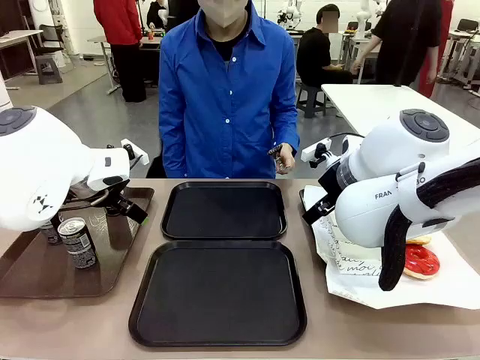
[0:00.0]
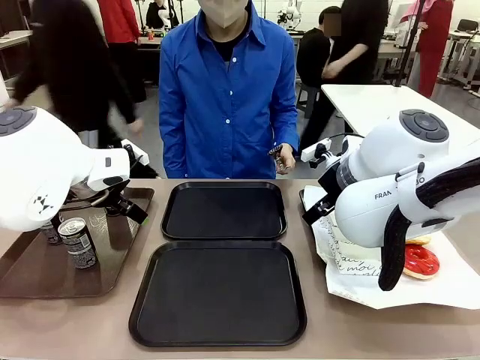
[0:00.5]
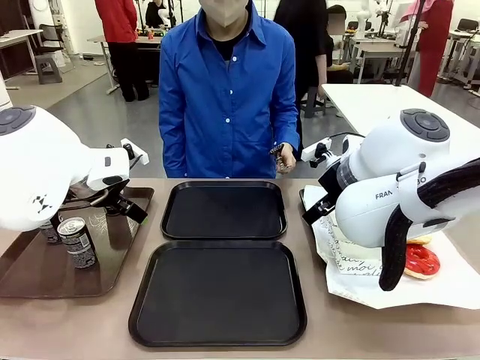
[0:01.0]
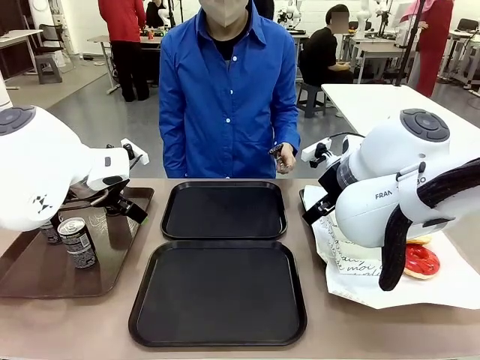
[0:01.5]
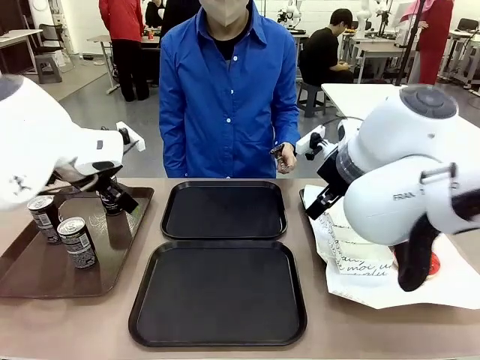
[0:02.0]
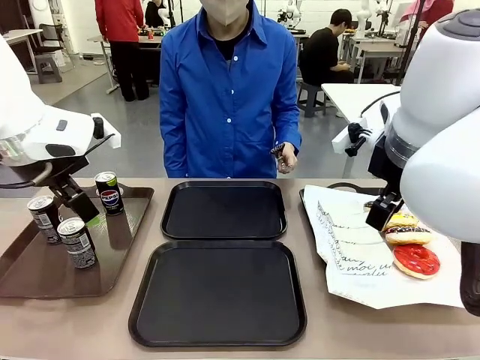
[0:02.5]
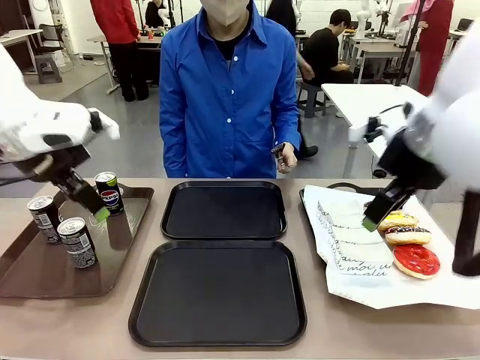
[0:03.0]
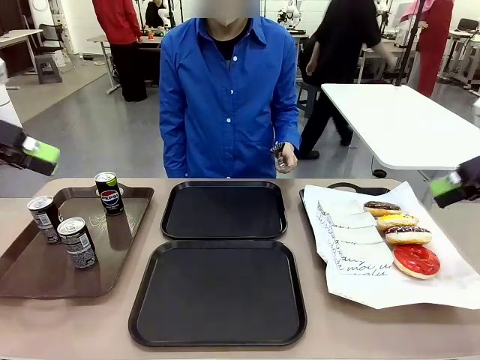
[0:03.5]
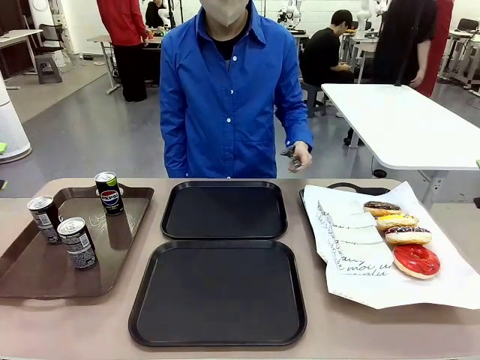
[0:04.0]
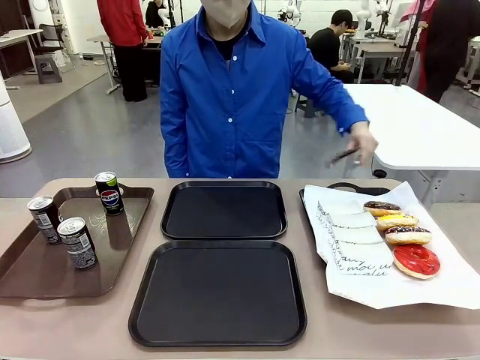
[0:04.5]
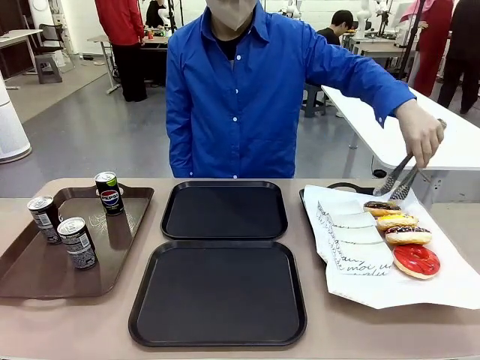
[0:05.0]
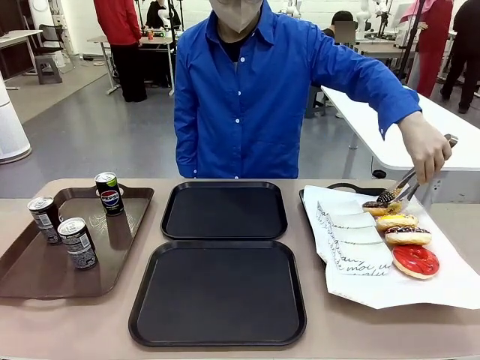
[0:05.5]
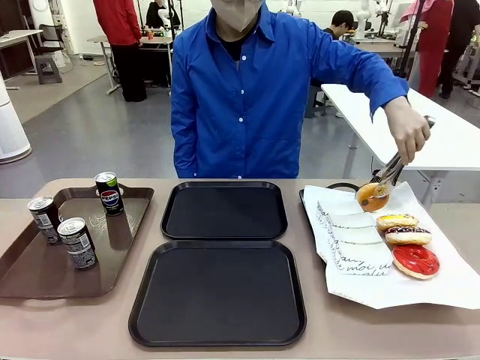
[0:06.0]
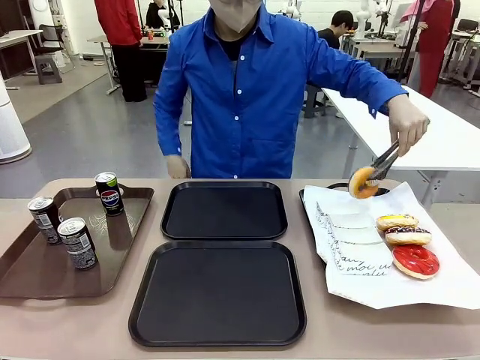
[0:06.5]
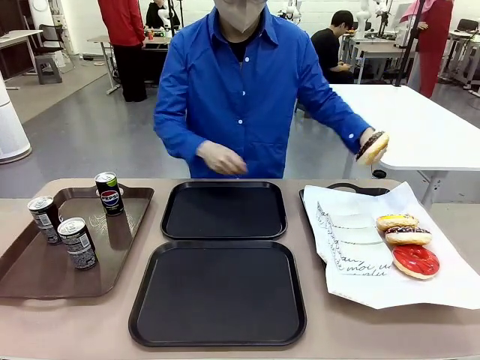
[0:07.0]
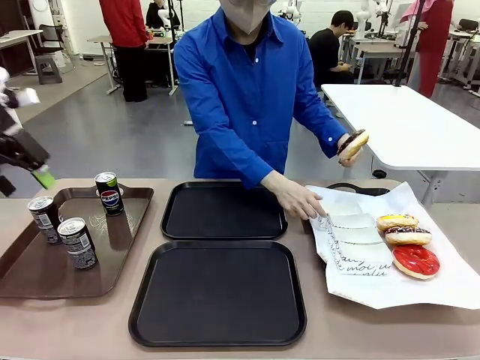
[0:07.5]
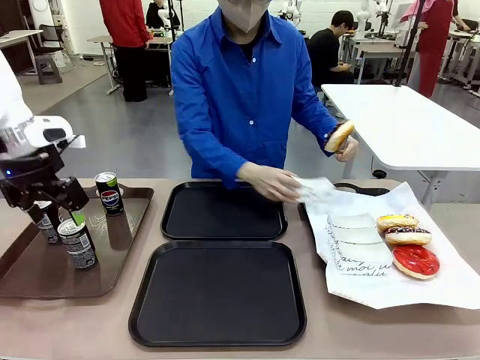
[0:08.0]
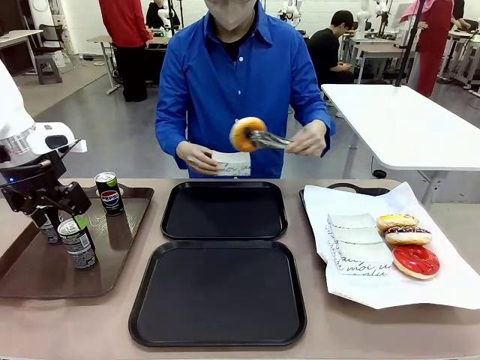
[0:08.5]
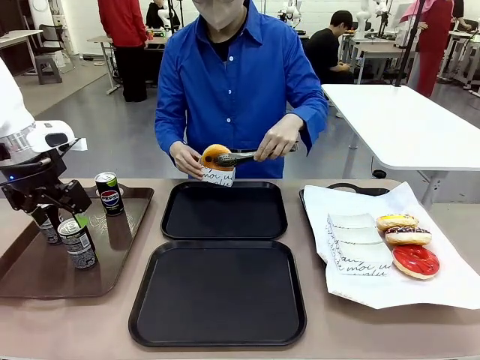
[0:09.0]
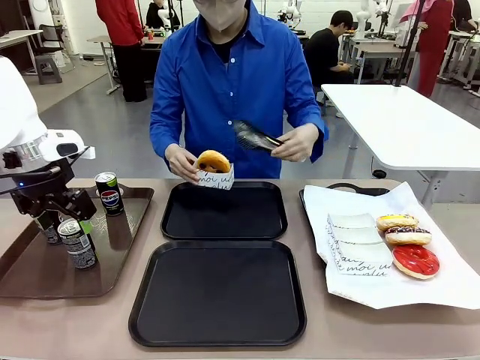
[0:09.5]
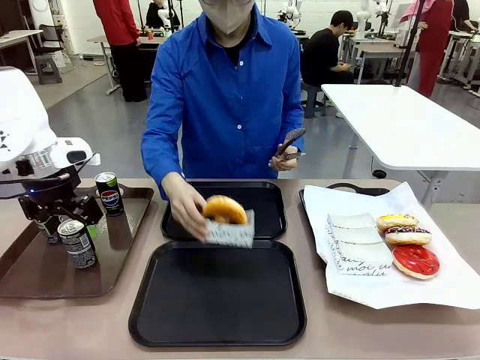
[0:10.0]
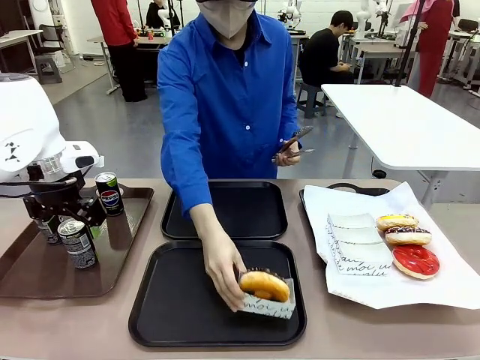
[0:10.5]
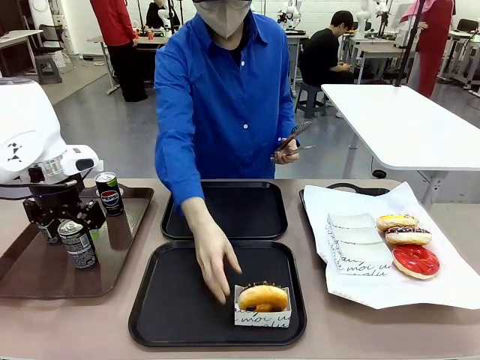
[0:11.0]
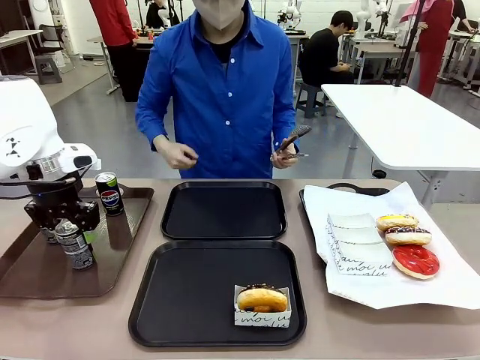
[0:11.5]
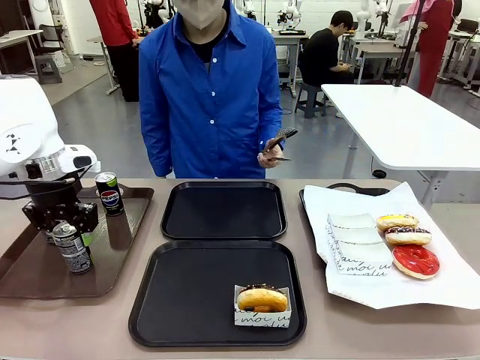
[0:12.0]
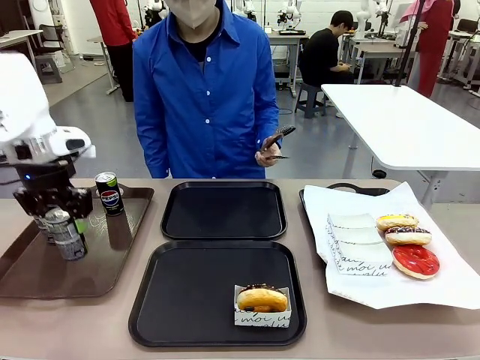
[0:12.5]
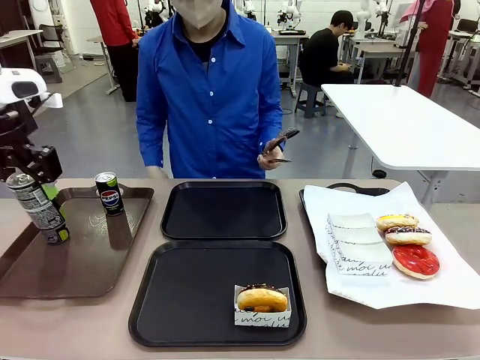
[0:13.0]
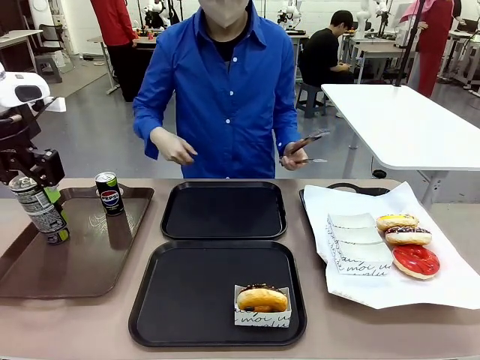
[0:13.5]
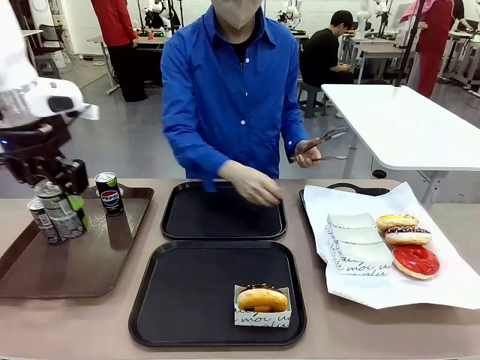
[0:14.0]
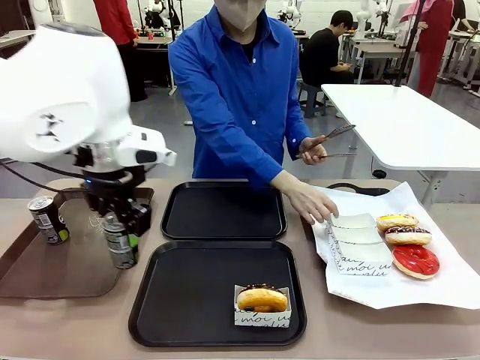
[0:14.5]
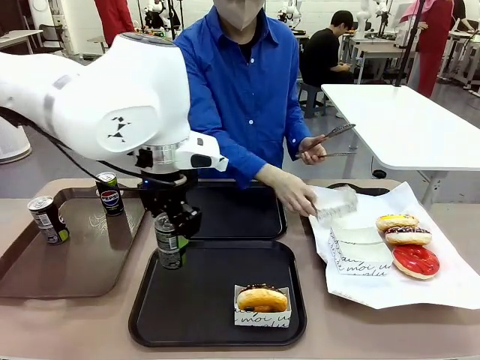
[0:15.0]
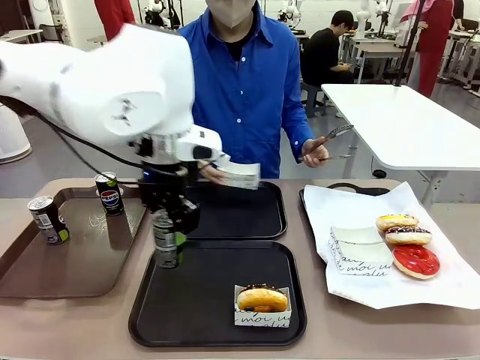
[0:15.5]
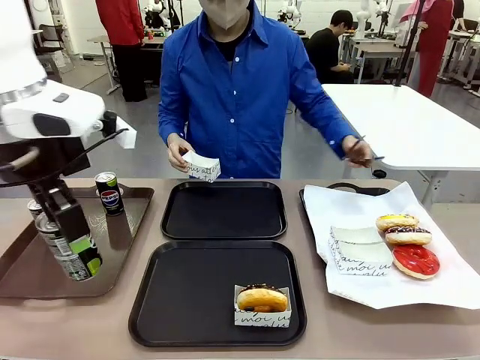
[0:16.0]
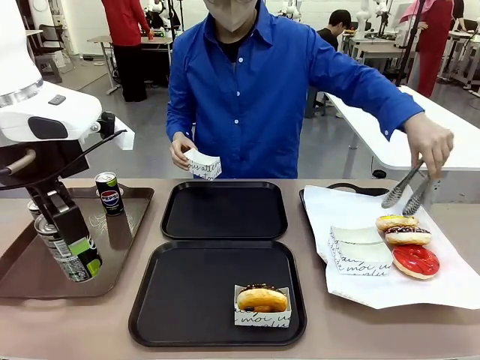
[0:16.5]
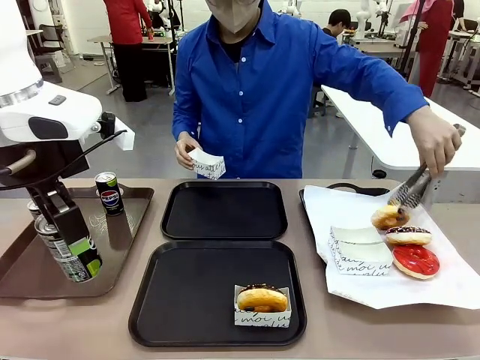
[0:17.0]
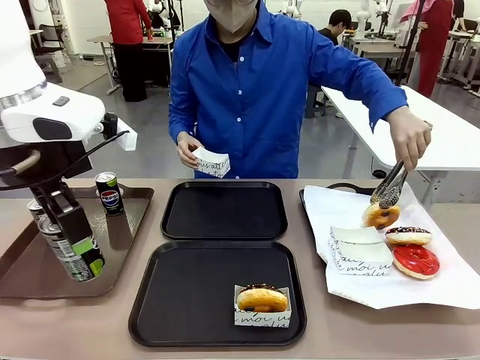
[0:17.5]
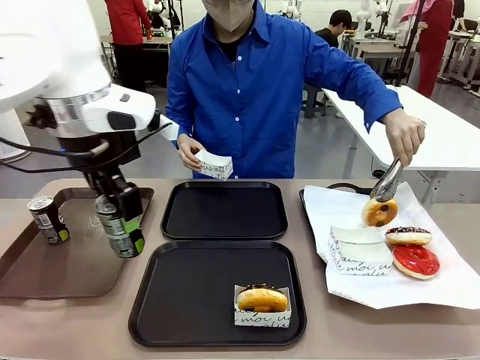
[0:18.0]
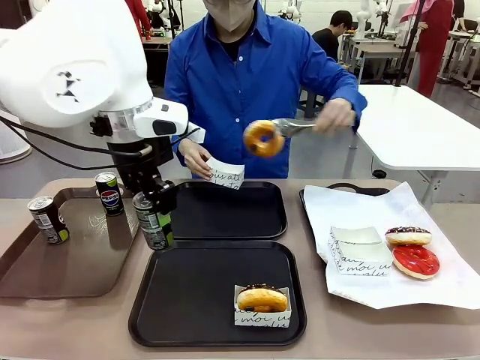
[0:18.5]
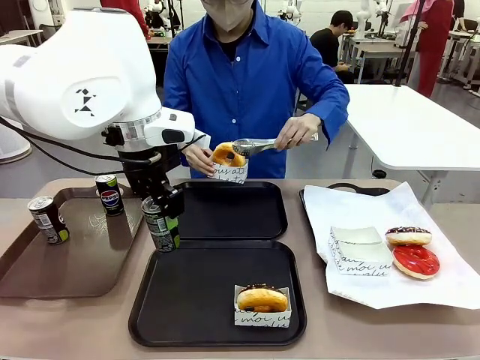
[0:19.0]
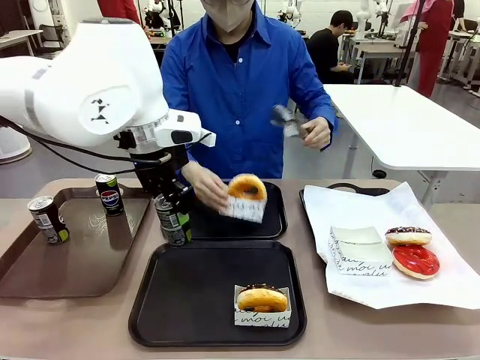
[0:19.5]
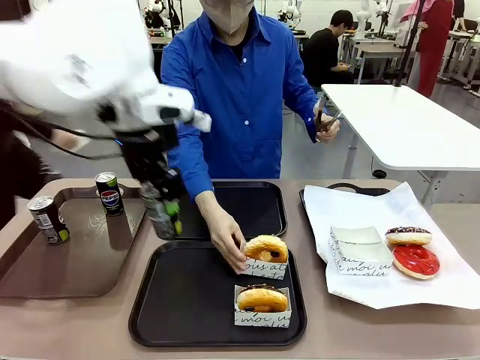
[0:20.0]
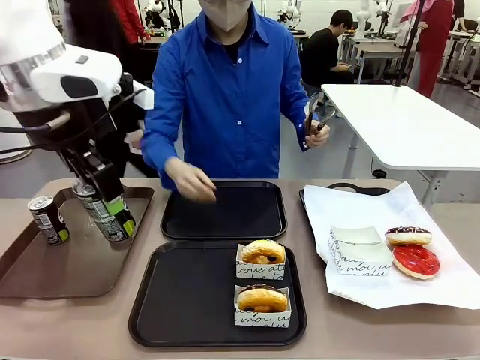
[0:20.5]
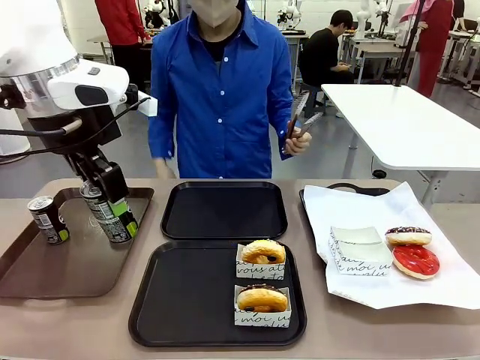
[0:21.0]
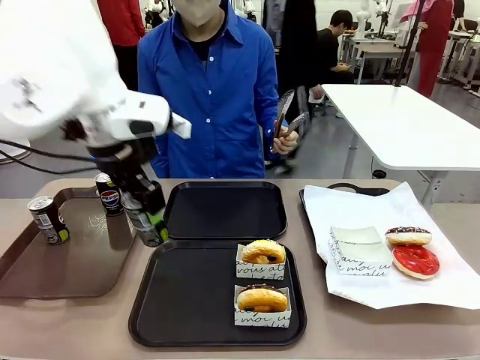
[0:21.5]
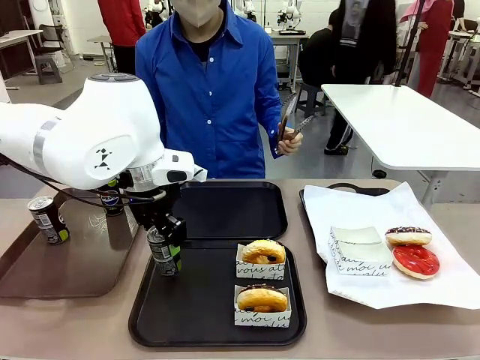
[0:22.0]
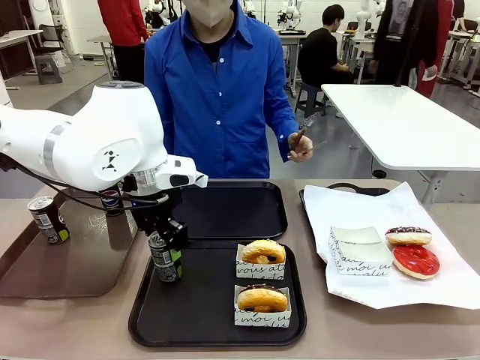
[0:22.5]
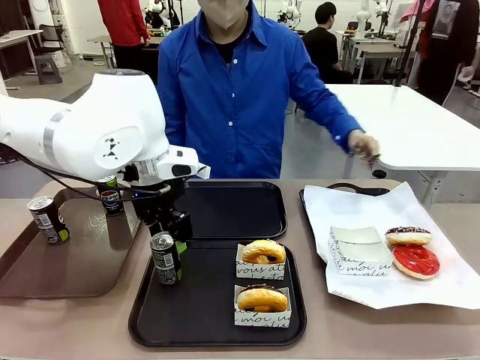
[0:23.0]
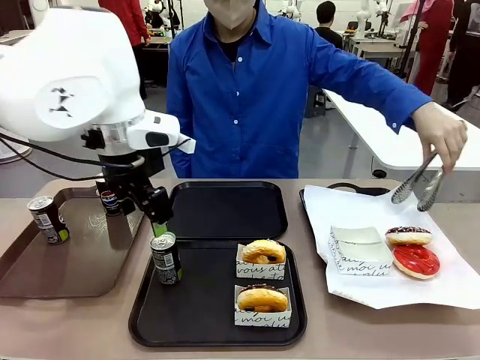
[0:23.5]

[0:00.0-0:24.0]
Task: Set up donuts and drinks on trays.
Robot: Pick up one Pepsi coke and place it on the Flat Tray.
Person: Pick up one donut with tongs, place it in the donut tray, and then place the donut tray on the flat tray.
